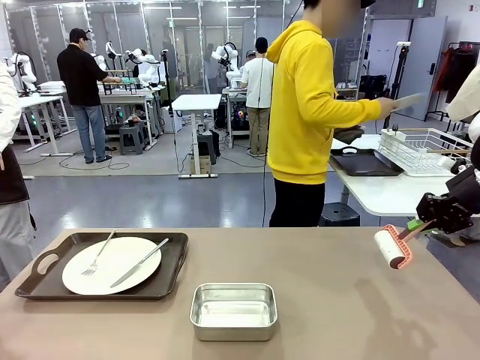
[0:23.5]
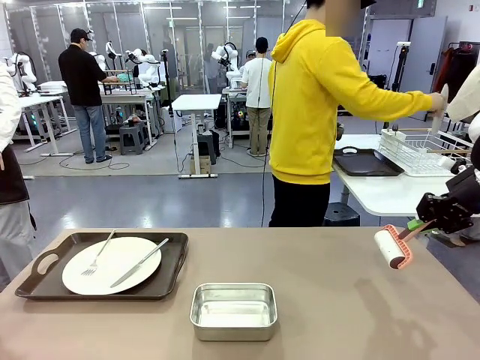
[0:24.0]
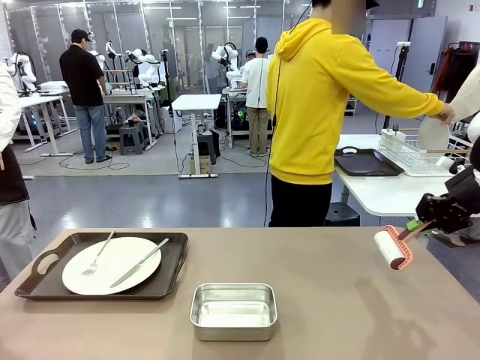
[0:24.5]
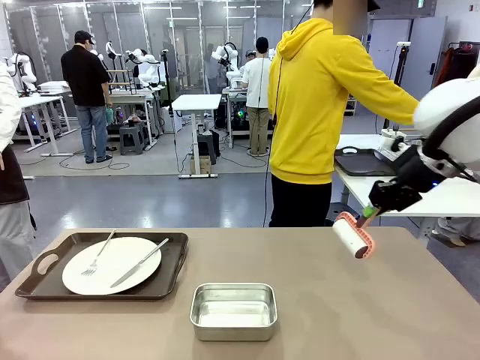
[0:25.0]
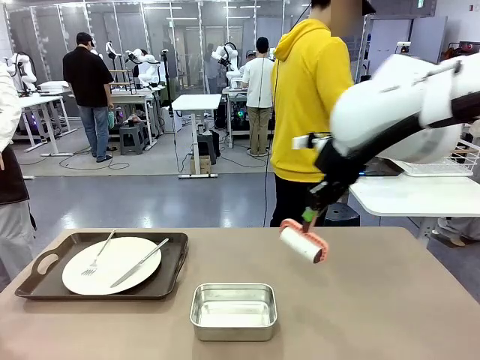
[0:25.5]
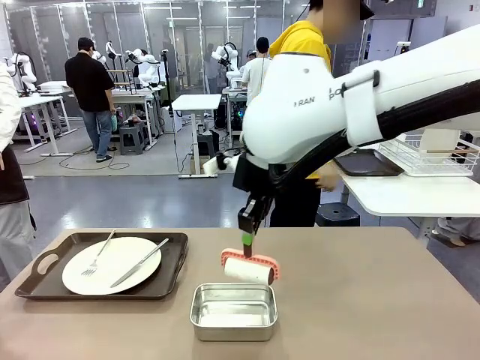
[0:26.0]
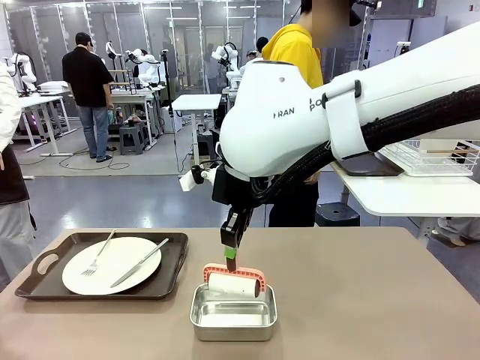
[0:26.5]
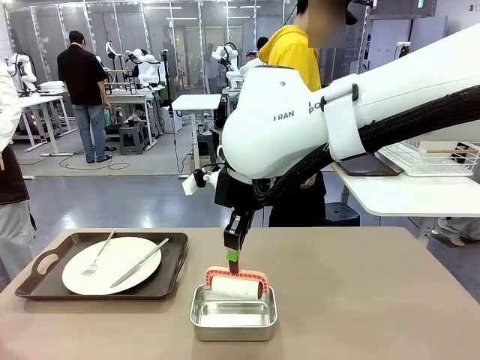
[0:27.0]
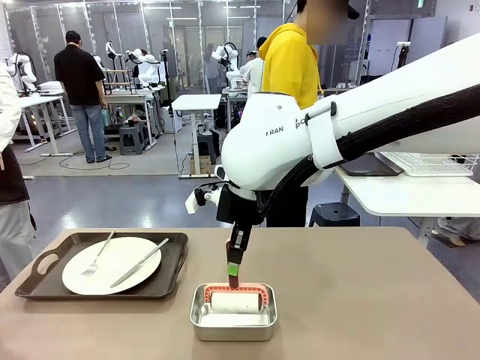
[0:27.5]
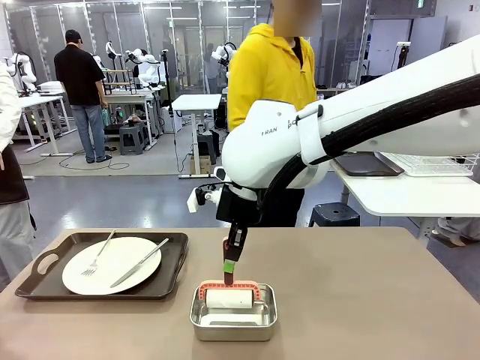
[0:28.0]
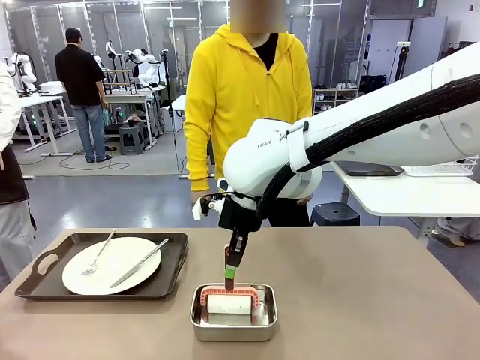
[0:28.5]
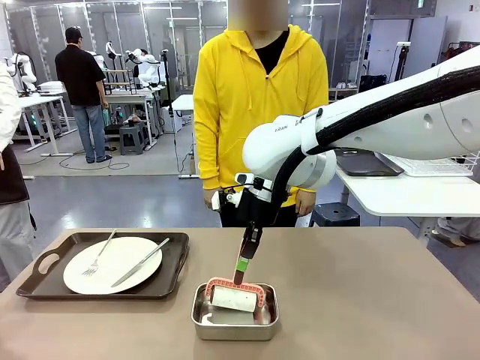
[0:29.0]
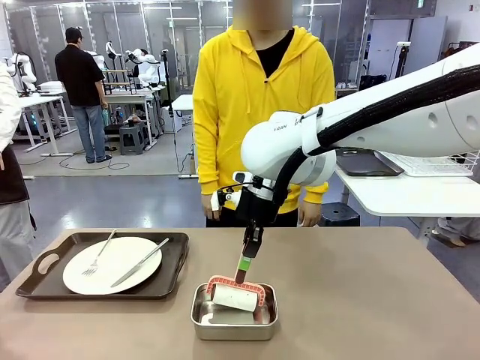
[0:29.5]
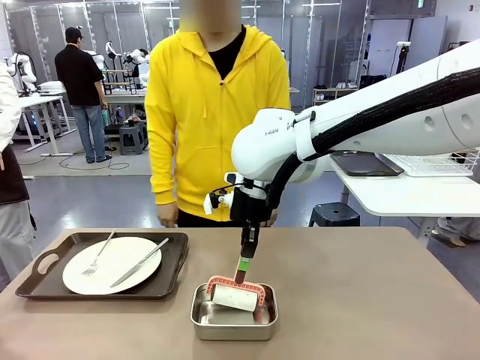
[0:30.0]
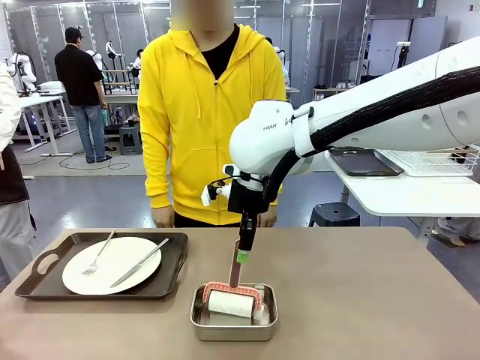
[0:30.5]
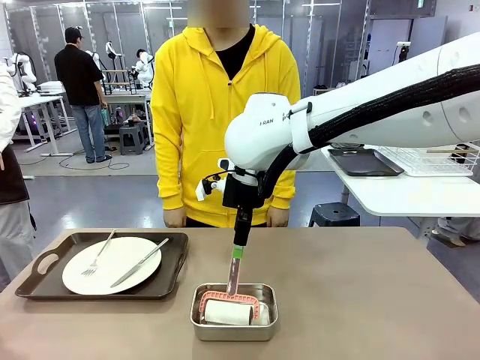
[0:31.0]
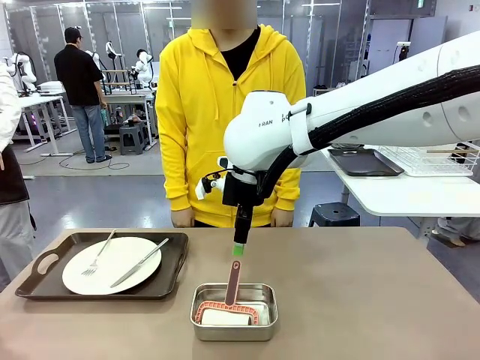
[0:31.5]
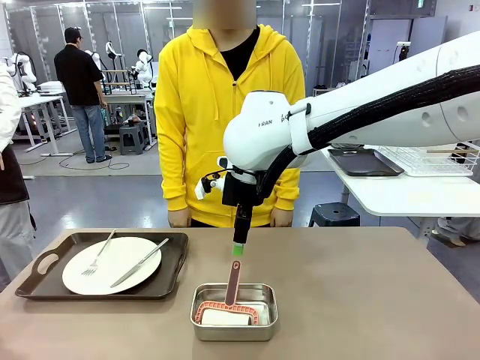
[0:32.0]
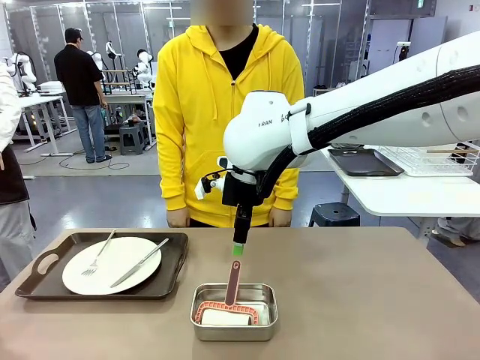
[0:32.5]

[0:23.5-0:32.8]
Robot: Place the Lint Roller back on top of the Airtight Container.

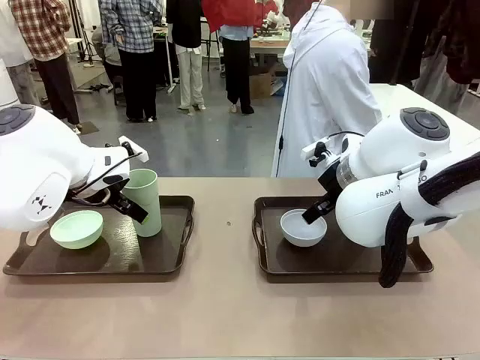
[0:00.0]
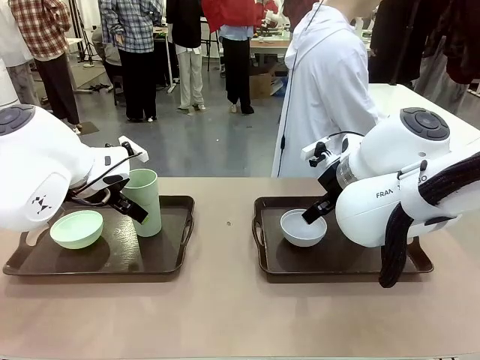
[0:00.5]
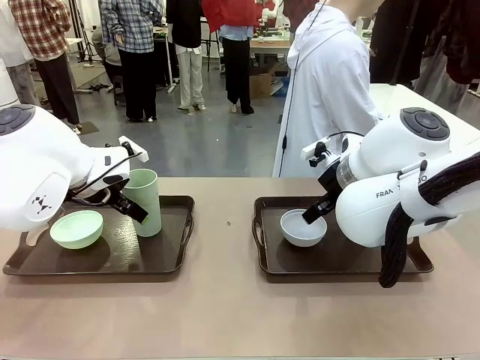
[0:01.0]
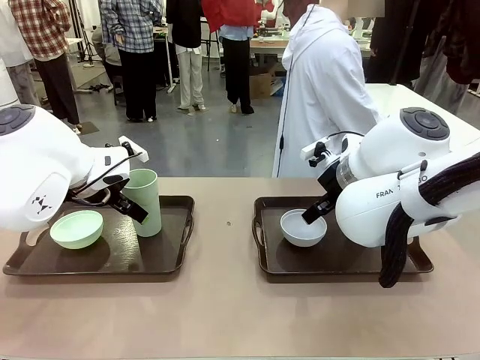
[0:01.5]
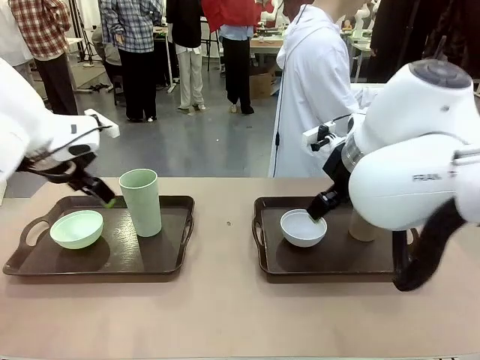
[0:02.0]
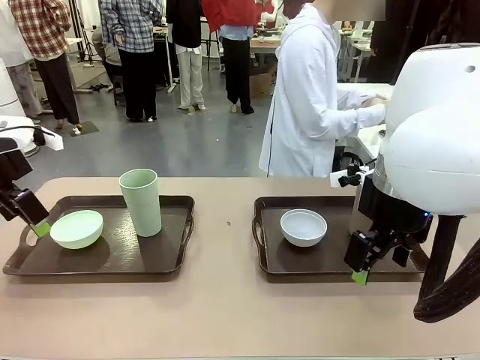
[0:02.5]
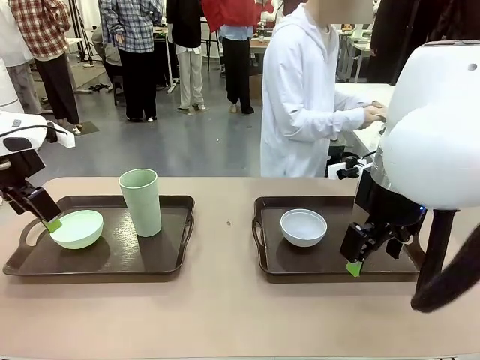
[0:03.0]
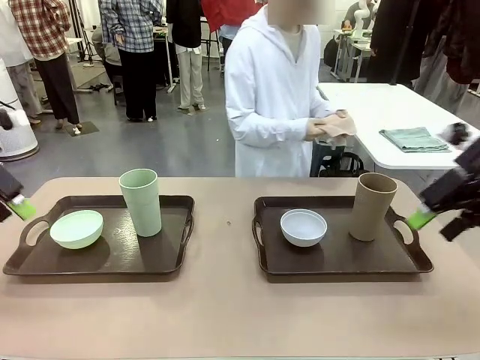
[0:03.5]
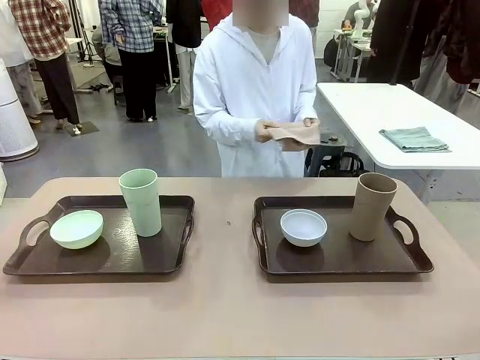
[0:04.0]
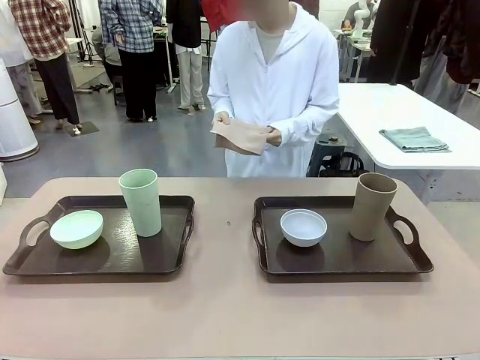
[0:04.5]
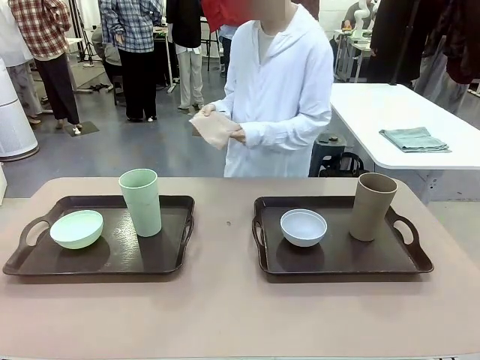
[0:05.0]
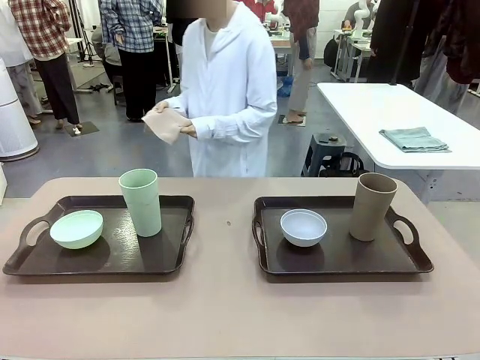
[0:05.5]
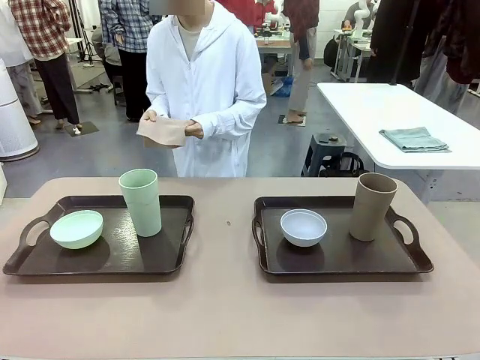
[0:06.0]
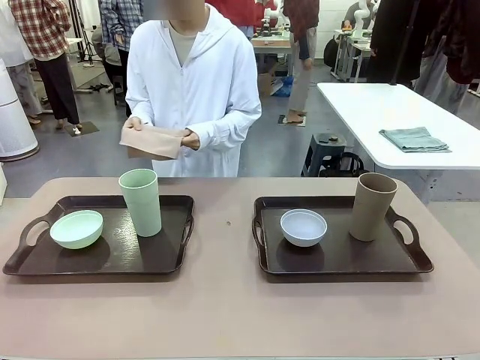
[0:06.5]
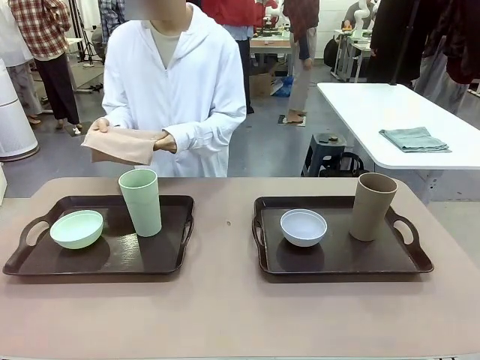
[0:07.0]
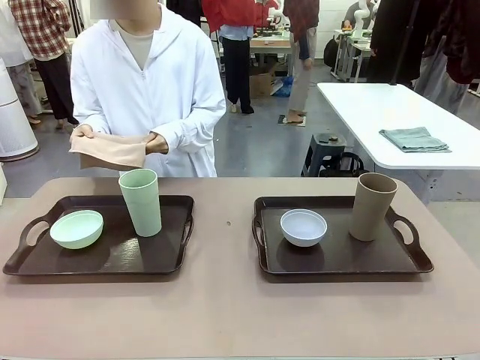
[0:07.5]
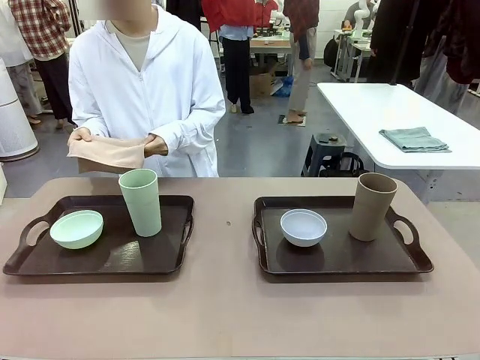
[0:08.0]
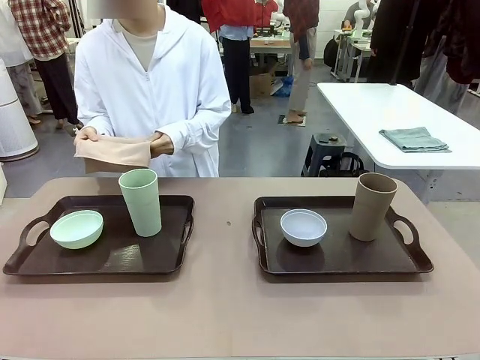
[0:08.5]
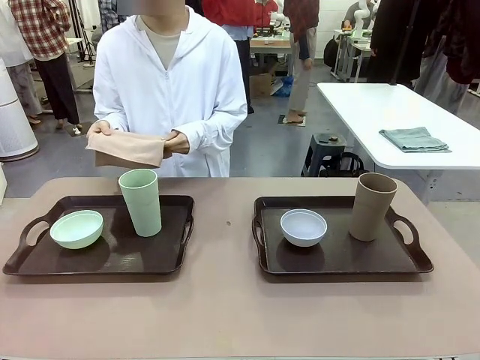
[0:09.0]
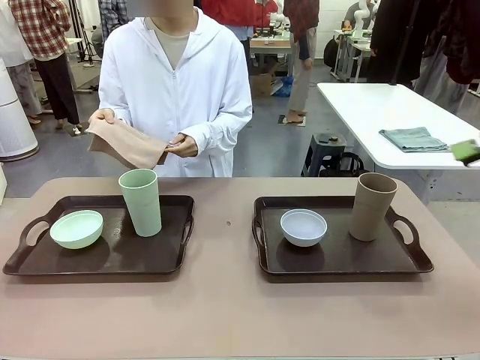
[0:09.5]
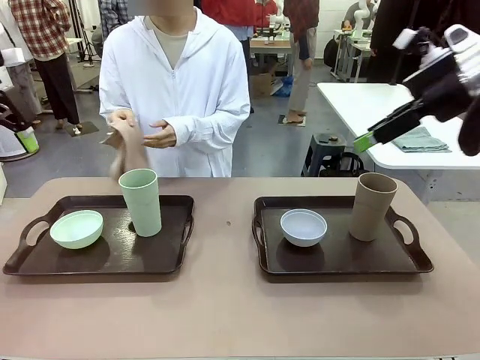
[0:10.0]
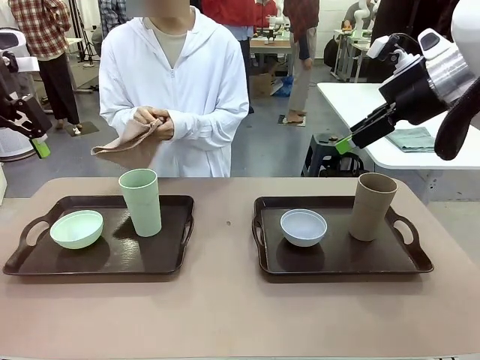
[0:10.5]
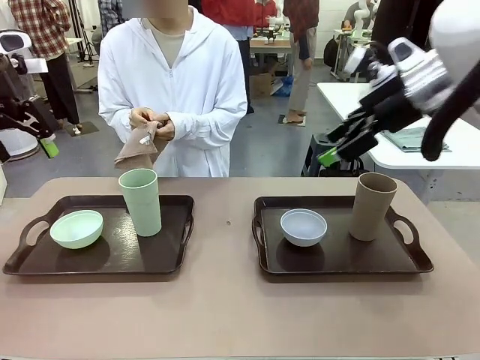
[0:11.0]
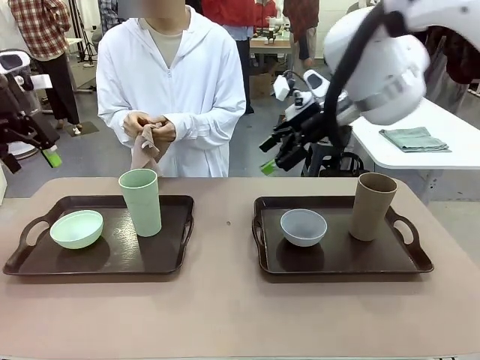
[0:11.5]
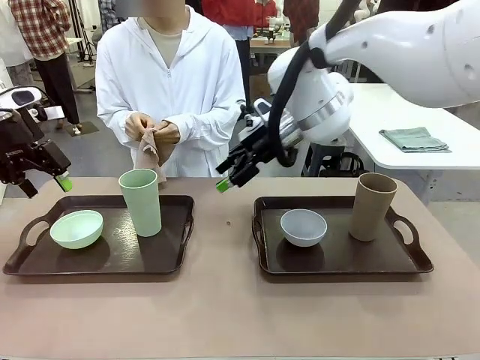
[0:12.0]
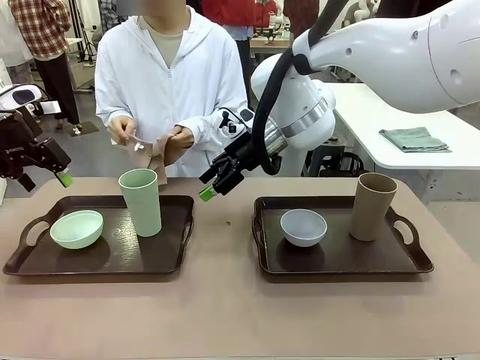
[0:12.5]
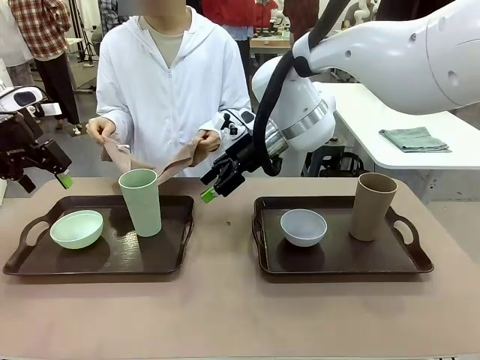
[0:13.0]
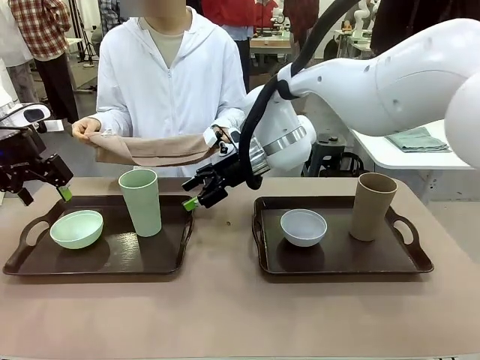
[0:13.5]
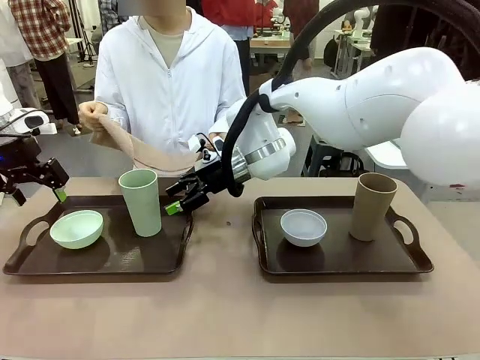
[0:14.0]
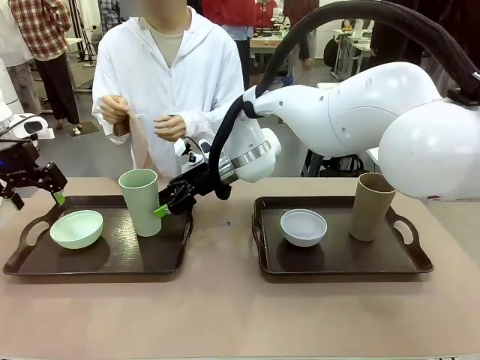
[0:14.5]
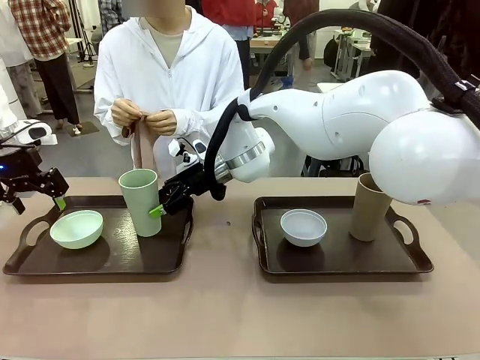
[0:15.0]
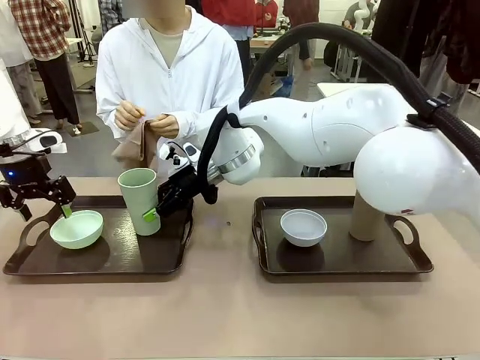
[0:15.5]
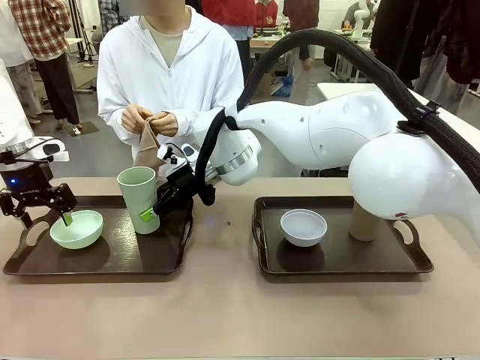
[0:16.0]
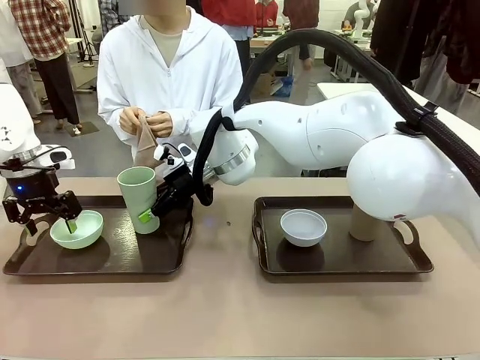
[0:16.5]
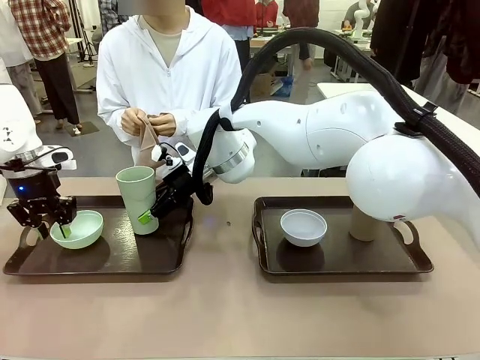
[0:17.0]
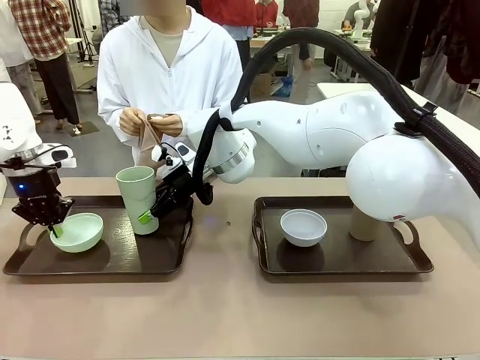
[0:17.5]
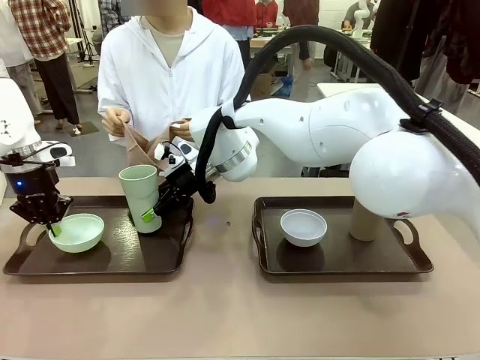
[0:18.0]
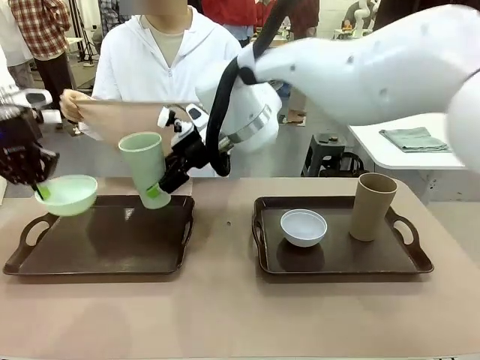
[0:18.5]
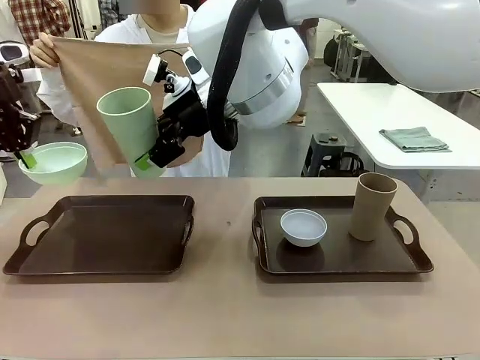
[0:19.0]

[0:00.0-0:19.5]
Robot: Pick up the Picnic Bowl and Reusable plastic cup from the Handle tray in front of the human's position and hold them in the air.
Person: The human picks up the top napkin from the stack on the human table and walks to the robot table to stand in front of one of the two trays. When the robot lifts the bowl and the cup, the human unfolds the napkin and lays the napkin flat on the tray.
